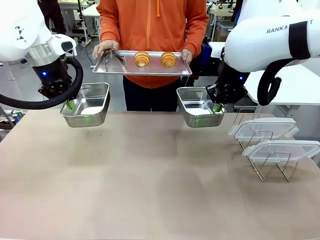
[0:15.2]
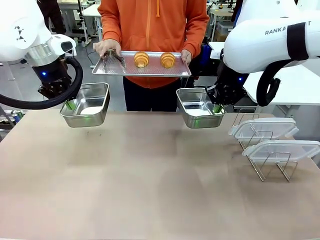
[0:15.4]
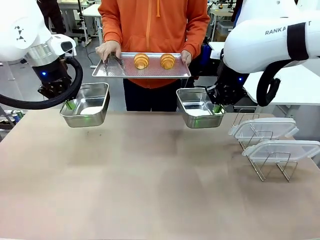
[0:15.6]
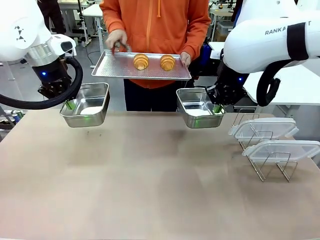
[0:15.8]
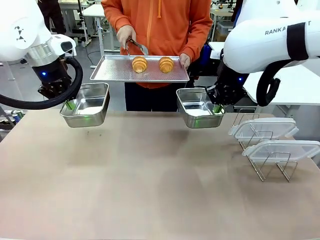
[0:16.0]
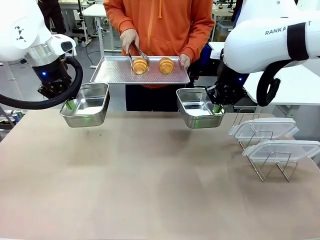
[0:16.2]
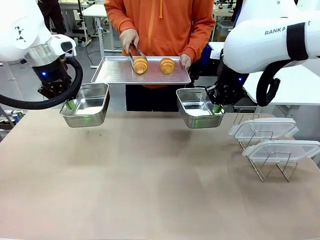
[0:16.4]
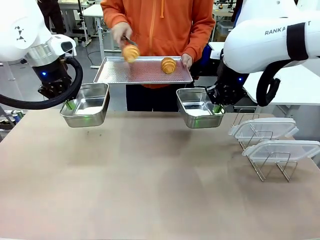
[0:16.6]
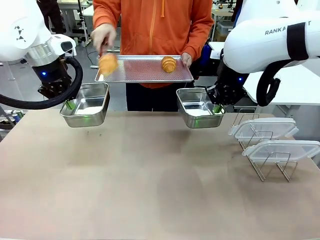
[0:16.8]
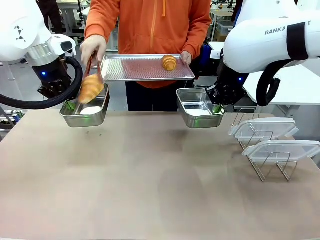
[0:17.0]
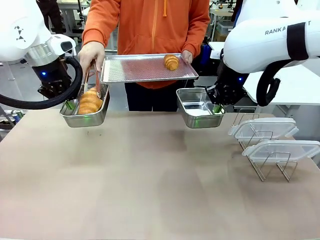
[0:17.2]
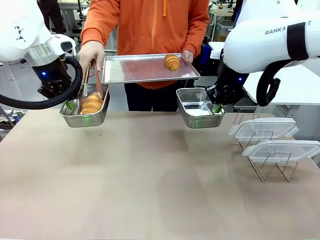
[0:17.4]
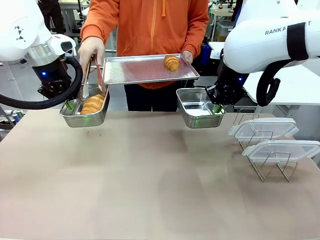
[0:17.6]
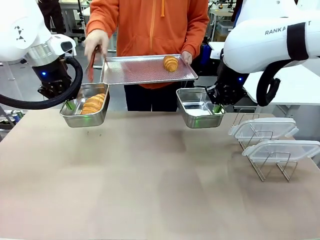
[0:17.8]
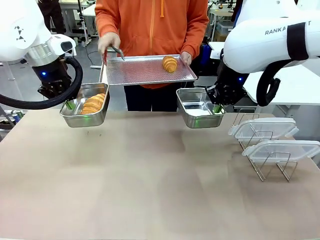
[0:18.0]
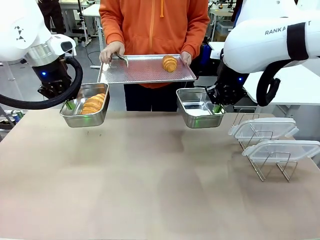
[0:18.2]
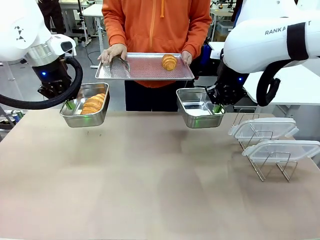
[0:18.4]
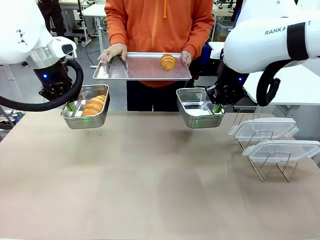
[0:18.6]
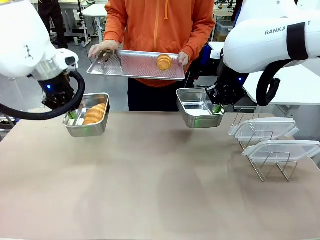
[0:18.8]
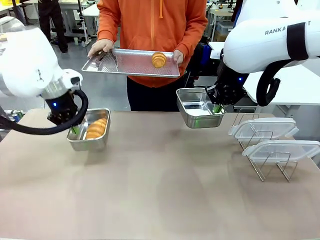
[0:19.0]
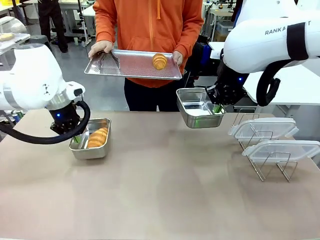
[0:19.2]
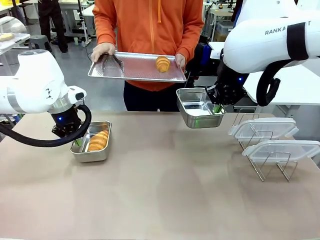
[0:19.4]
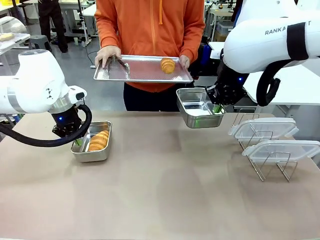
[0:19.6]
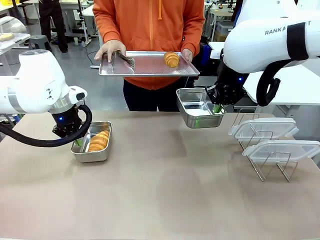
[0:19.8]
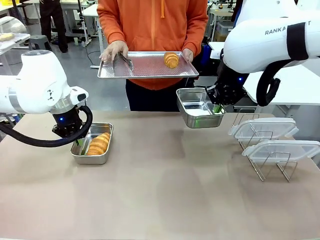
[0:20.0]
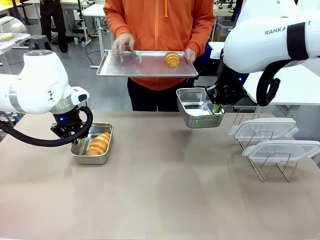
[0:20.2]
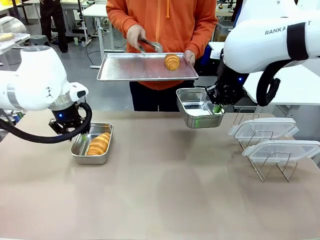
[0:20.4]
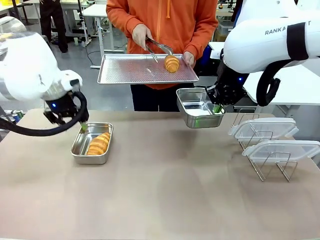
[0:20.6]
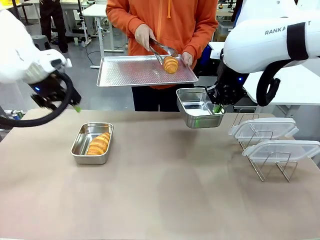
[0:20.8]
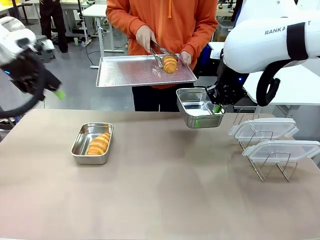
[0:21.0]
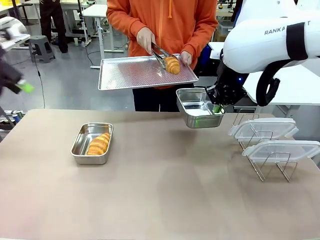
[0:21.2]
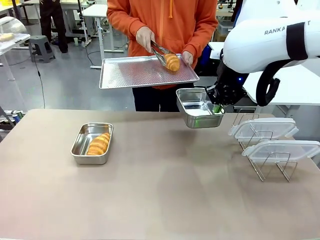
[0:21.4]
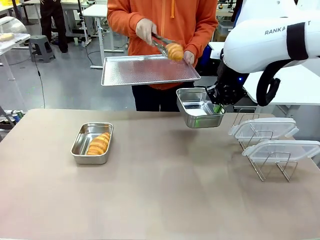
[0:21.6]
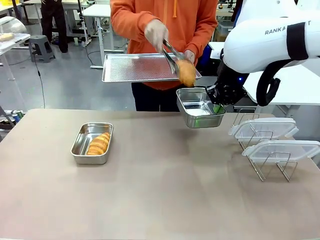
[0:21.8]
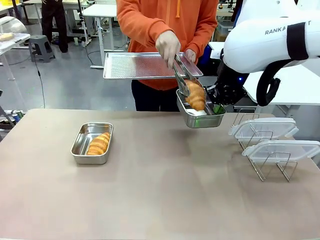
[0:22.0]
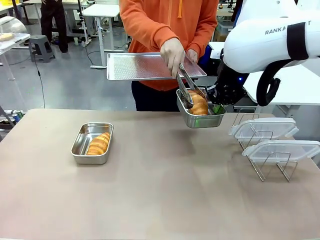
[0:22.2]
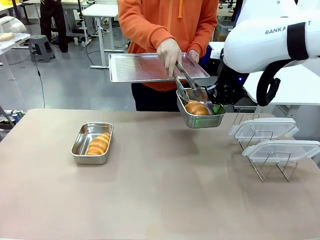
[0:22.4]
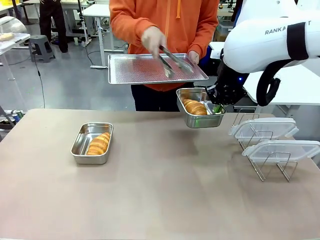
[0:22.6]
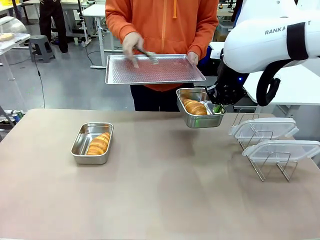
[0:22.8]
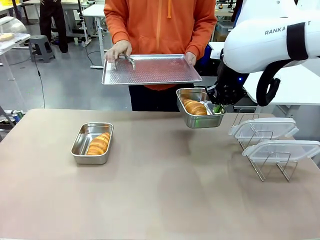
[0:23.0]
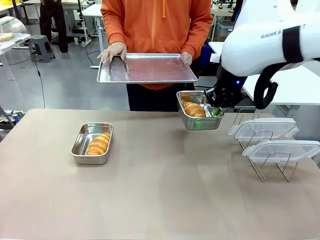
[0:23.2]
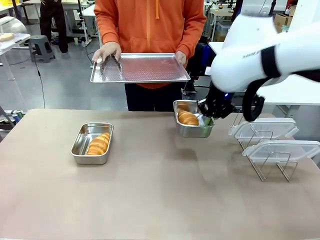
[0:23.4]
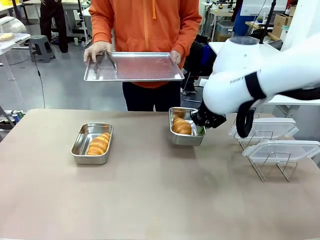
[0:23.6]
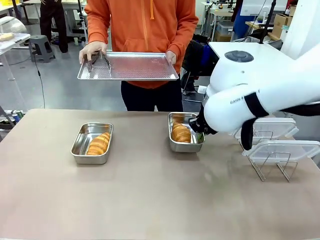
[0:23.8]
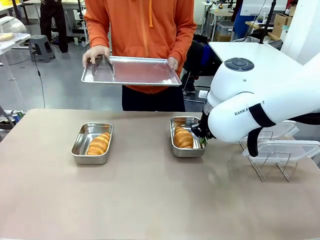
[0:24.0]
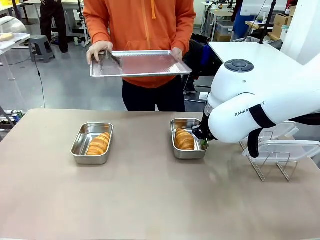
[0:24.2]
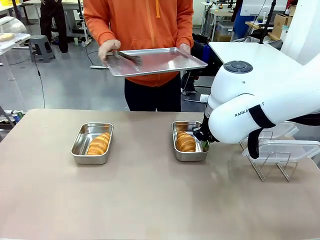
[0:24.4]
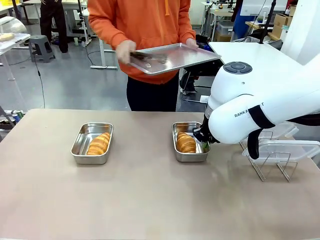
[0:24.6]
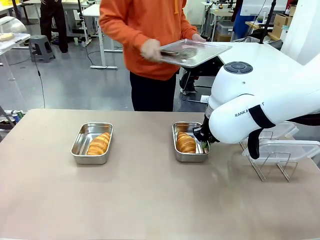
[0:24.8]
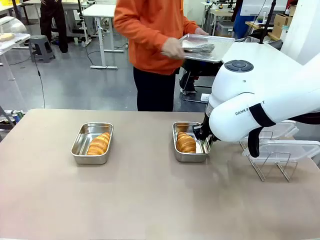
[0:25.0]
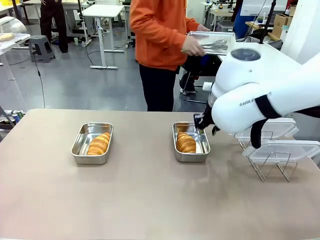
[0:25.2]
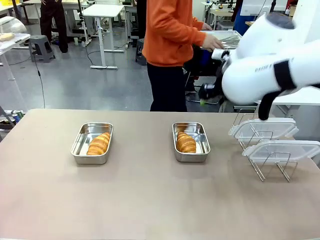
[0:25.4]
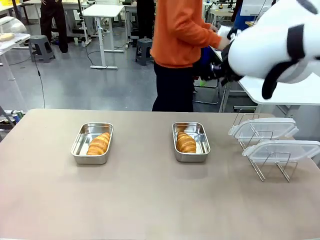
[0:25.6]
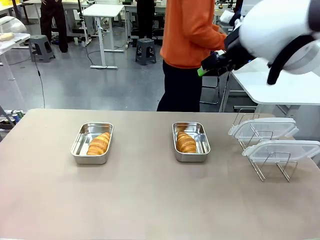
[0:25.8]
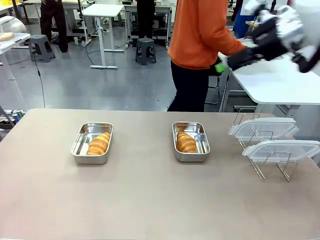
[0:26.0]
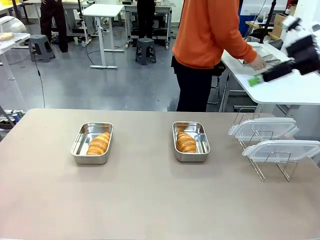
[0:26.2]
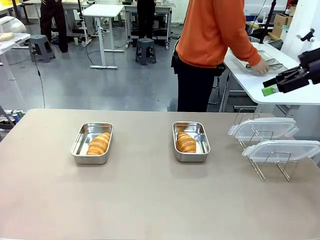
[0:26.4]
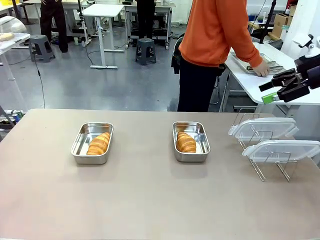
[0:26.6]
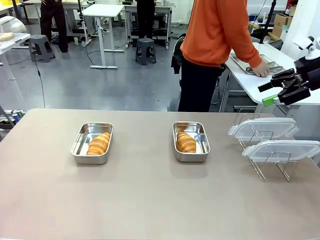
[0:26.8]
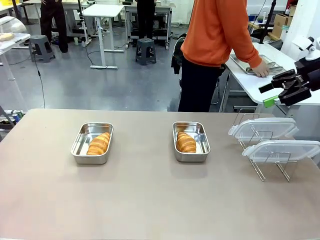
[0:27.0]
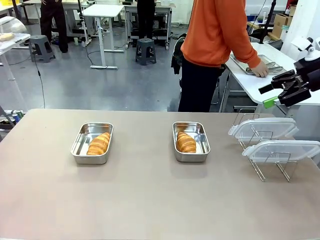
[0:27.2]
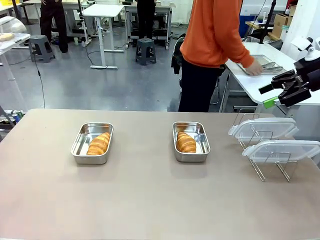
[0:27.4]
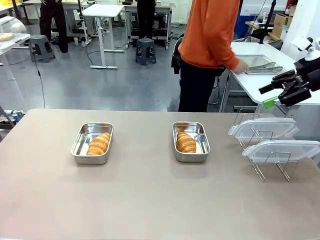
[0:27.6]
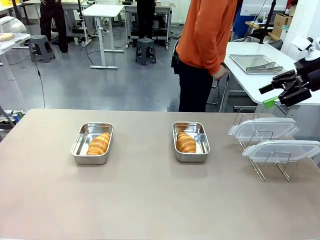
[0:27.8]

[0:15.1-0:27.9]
Task: Place the bread in airtight containers.
Robot: Once an object is inside an Airtight Container , place the container in the center of the table.
Person: Use the Stainless steel tongs to place one object from Baking Sheet into one Airtight Container. Place Baking Sheet on the Human's Table.

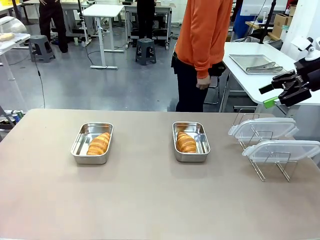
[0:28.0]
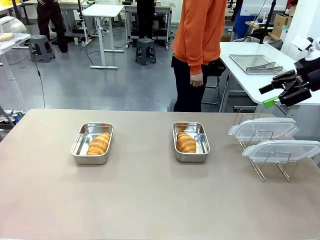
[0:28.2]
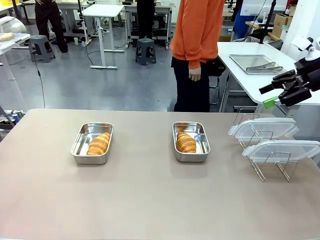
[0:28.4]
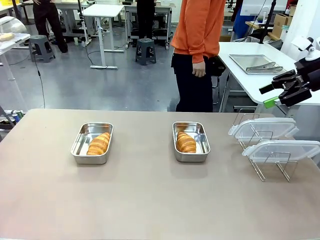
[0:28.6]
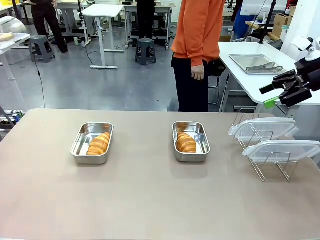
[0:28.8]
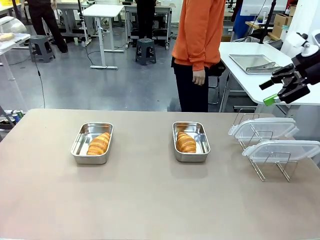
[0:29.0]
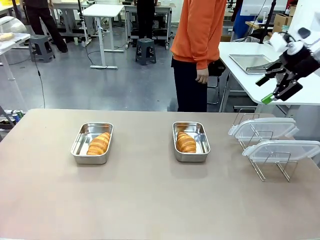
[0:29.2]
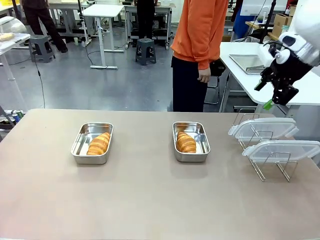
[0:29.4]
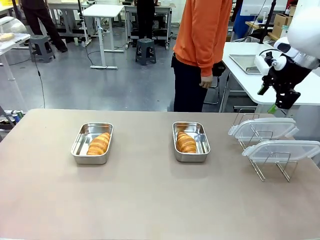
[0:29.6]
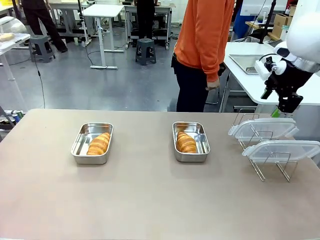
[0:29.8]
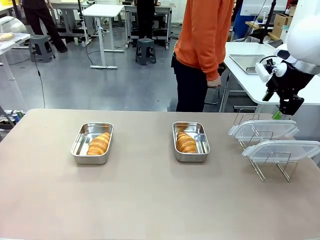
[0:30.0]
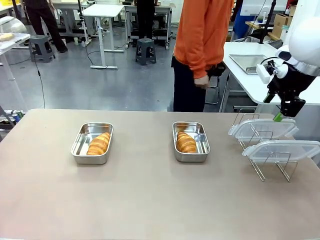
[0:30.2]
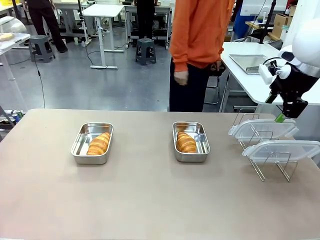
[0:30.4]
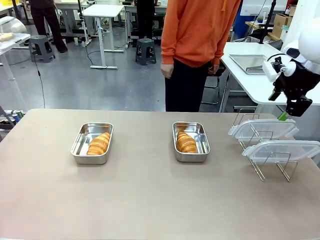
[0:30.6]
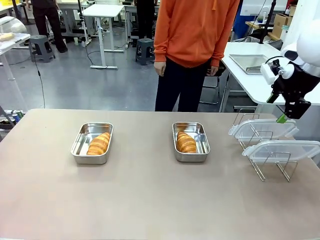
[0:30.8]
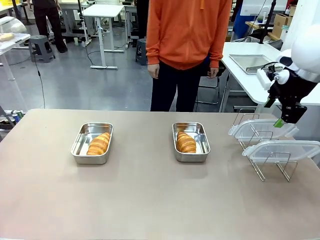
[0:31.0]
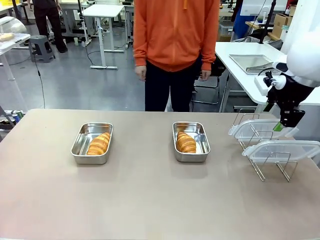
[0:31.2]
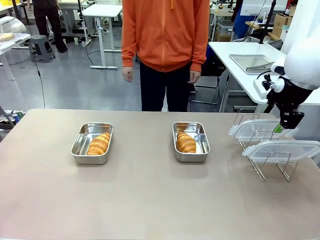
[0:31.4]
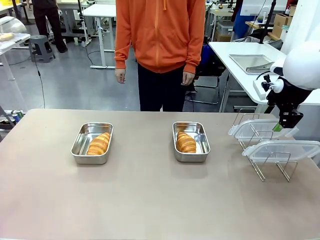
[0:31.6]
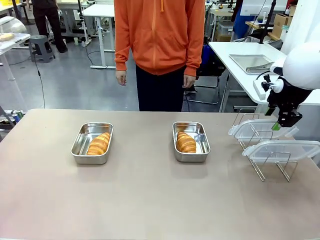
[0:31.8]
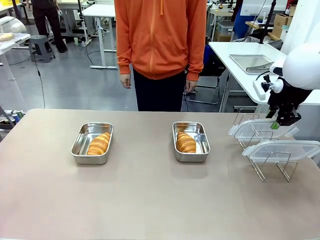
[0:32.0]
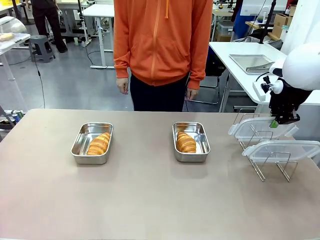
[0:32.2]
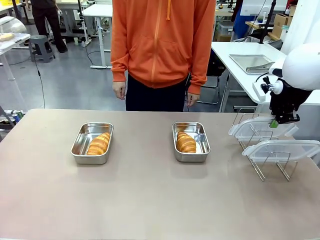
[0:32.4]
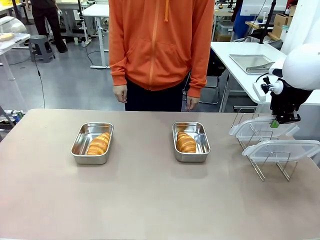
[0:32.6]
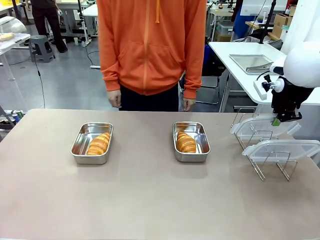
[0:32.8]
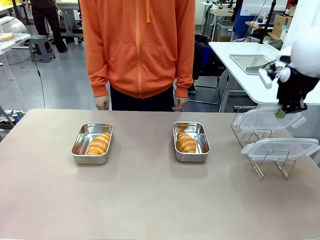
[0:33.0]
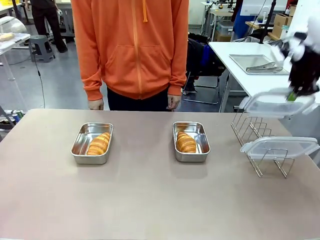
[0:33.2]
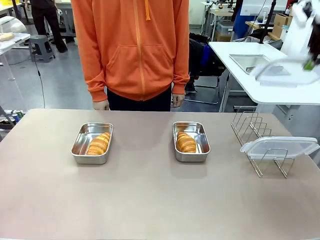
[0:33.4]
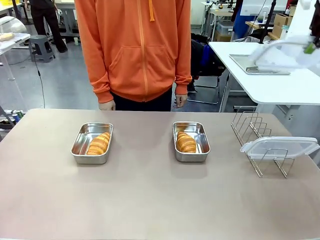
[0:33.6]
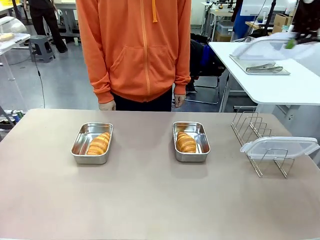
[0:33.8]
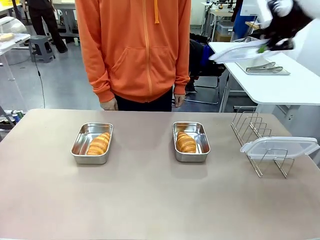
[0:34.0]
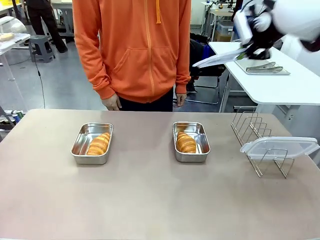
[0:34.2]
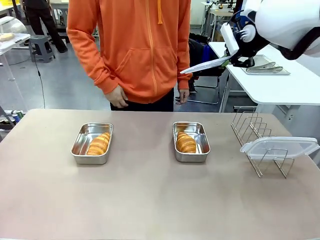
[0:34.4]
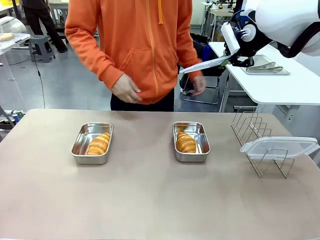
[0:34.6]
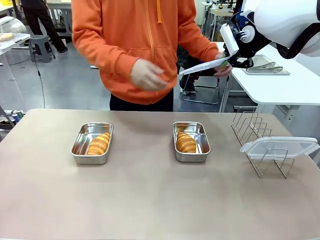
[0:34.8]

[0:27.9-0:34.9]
Robot: Pick up one Airtight Container lid and hand it to the human.
Person: Grip Airtight Container lid that robot is handing.

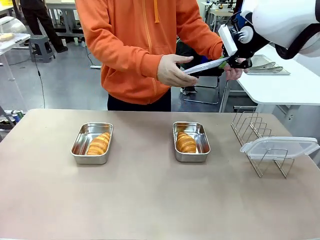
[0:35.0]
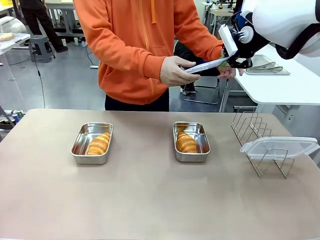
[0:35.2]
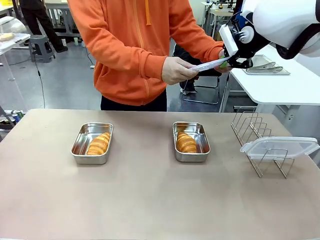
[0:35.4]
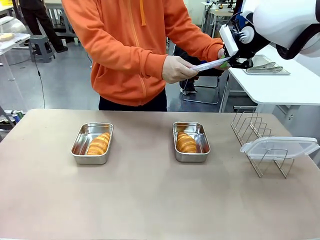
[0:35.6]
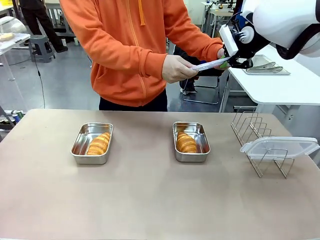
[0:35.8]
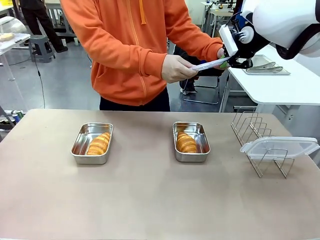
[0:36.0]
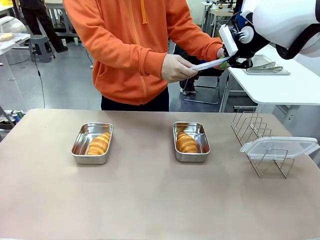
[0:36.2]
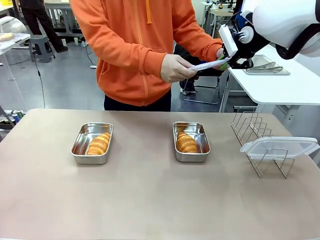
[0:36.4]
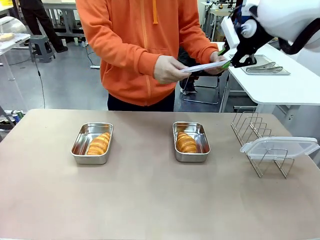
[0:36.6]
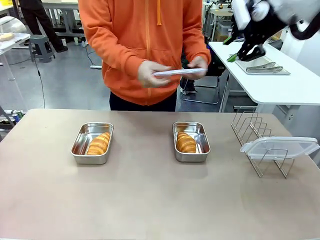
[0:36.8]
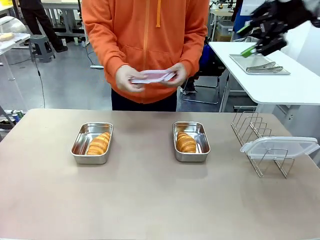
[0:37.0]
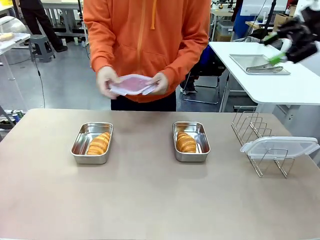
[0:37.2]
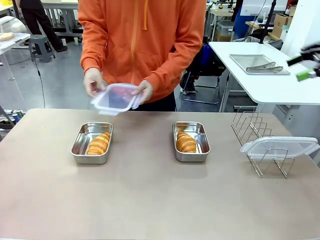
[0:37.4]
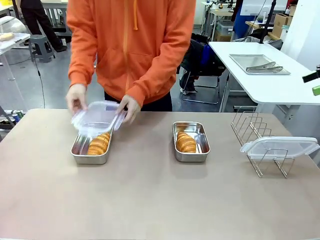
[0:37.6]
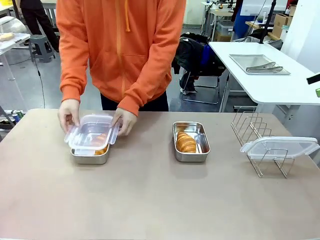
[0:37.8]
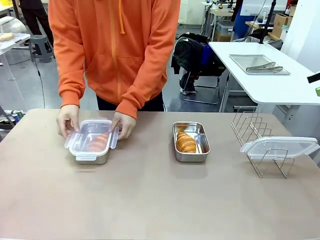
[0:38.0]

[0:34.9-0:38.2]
Robot: Release when the human grabs the Airtight Container lid.
